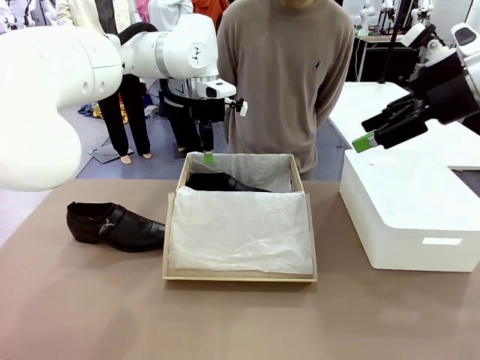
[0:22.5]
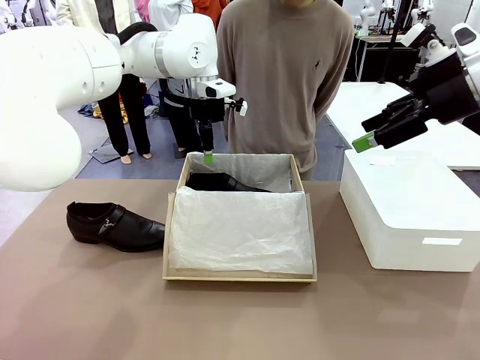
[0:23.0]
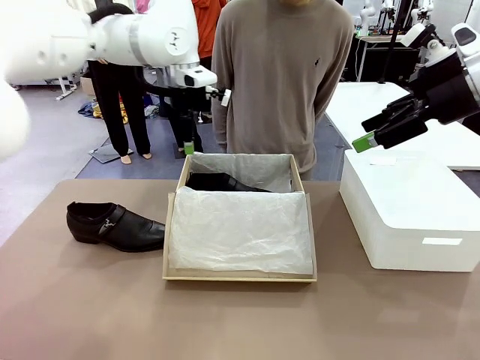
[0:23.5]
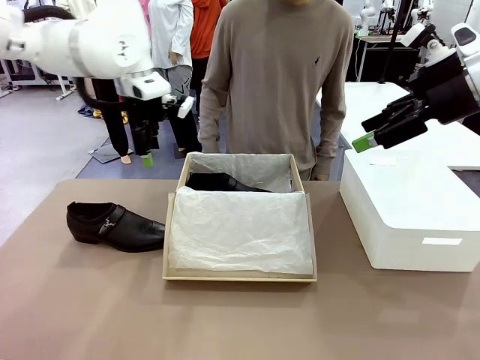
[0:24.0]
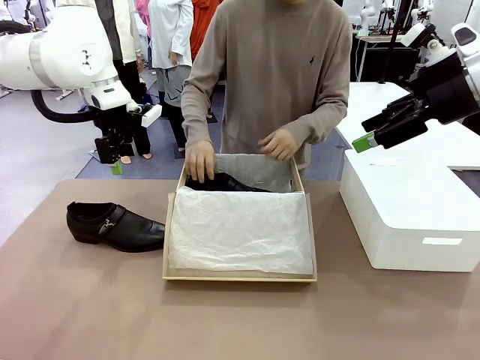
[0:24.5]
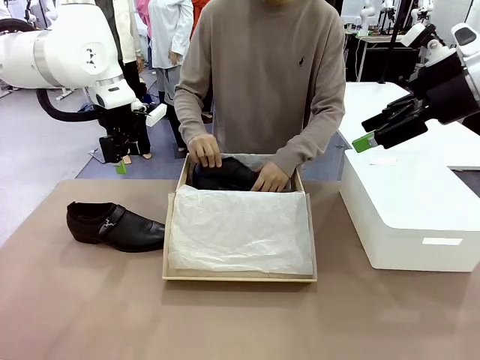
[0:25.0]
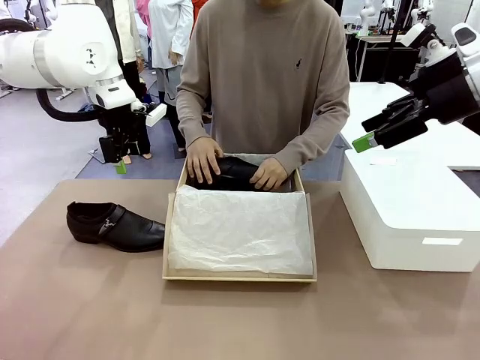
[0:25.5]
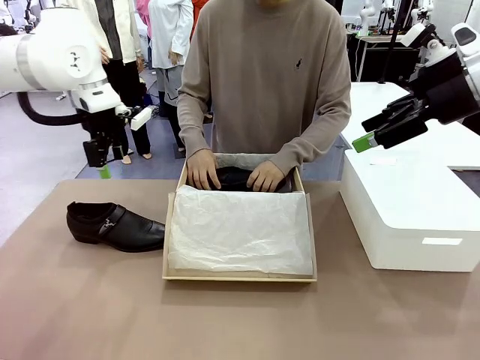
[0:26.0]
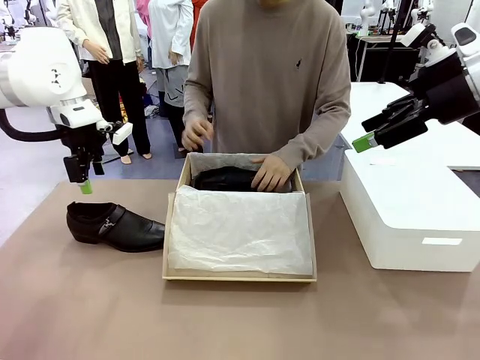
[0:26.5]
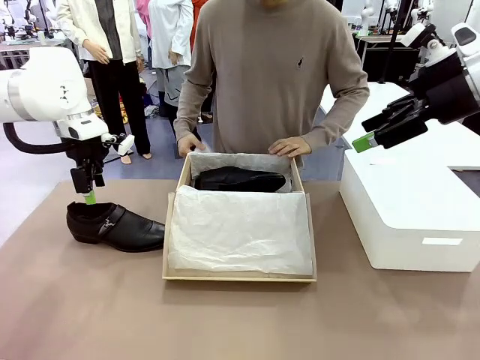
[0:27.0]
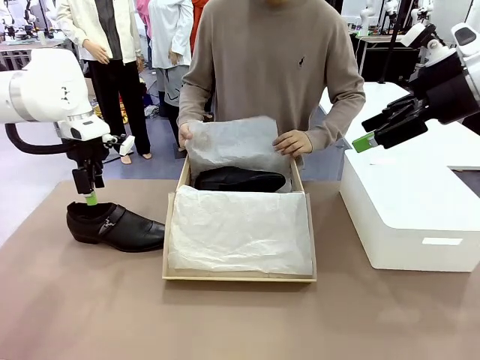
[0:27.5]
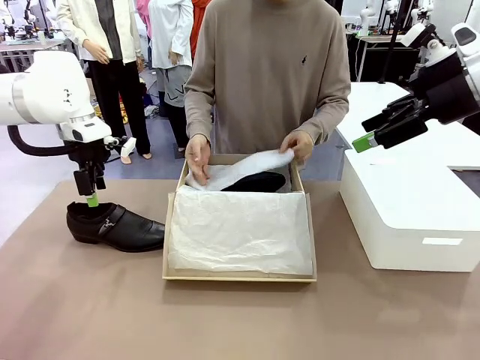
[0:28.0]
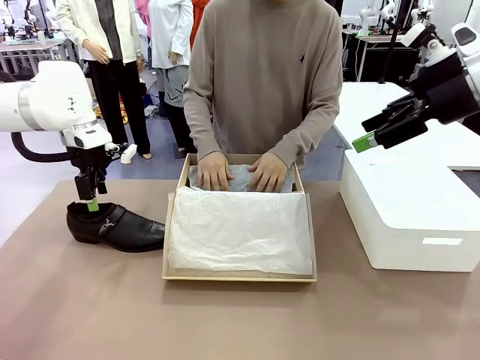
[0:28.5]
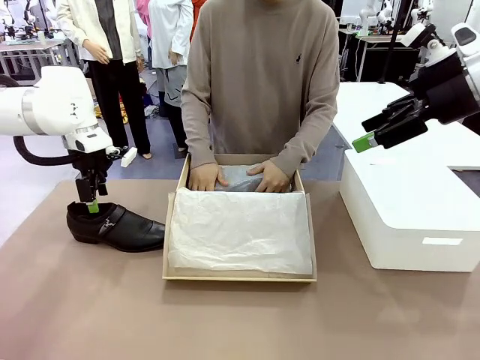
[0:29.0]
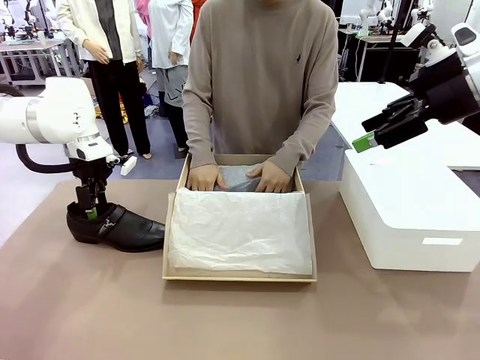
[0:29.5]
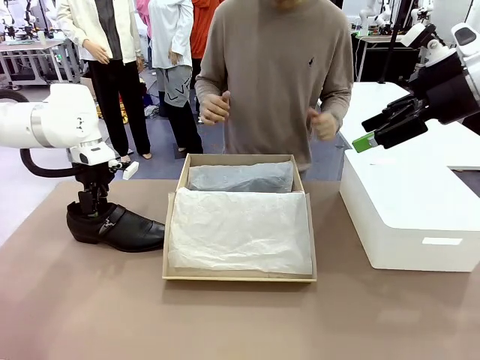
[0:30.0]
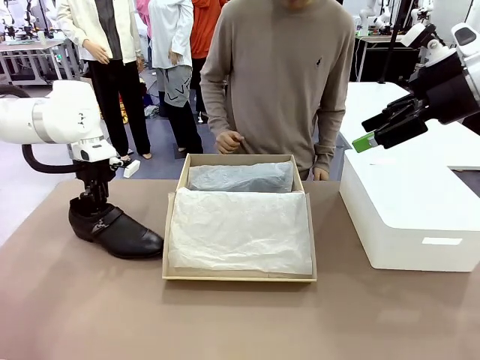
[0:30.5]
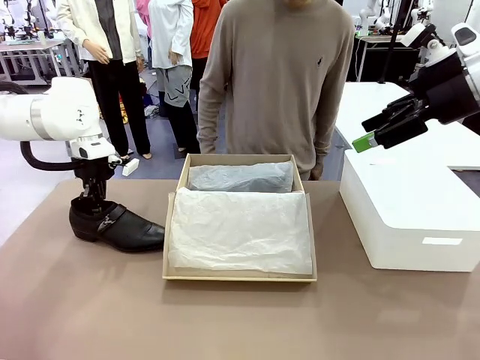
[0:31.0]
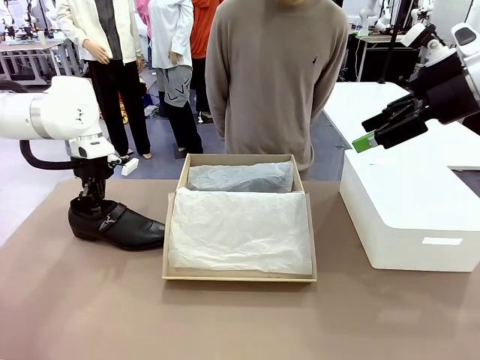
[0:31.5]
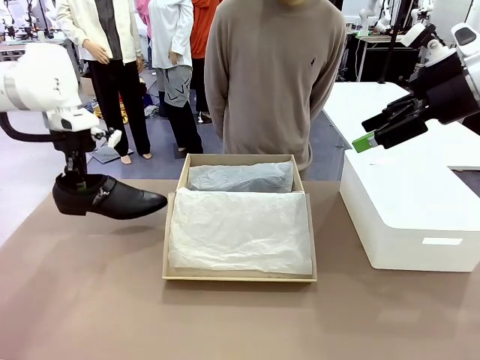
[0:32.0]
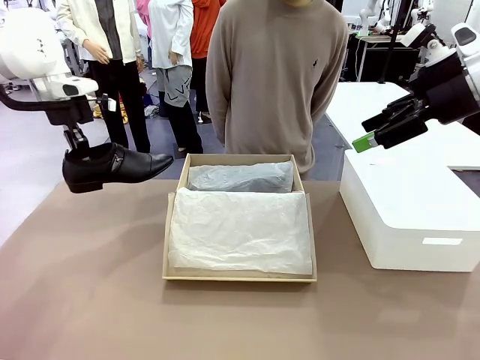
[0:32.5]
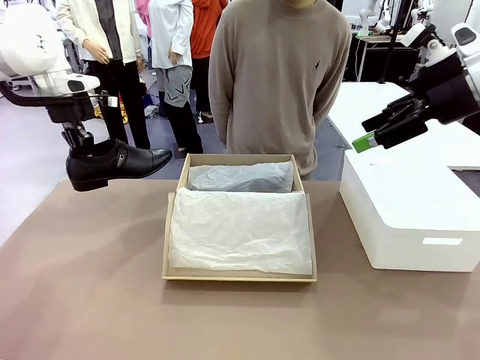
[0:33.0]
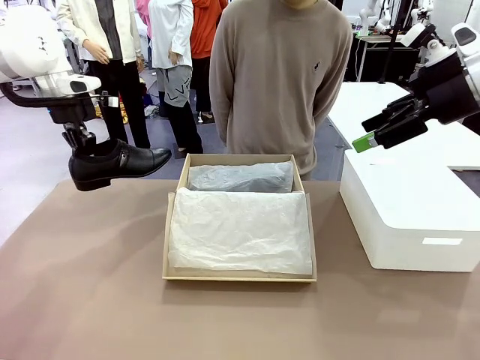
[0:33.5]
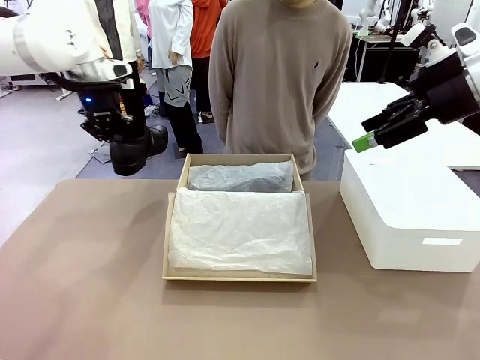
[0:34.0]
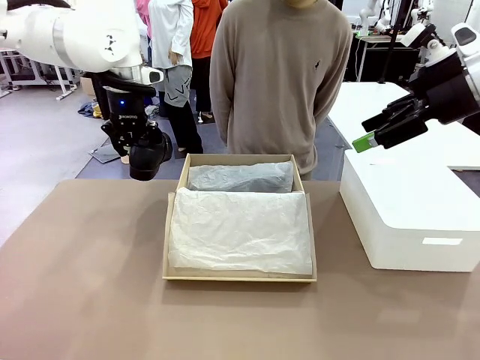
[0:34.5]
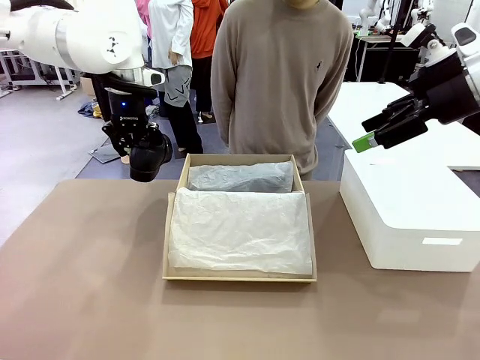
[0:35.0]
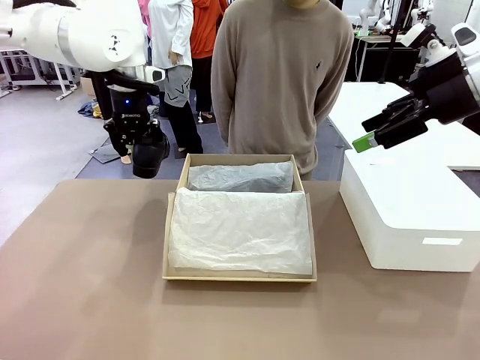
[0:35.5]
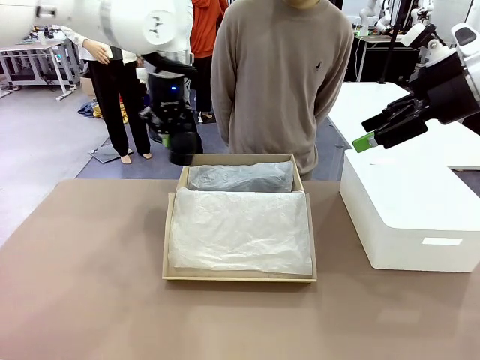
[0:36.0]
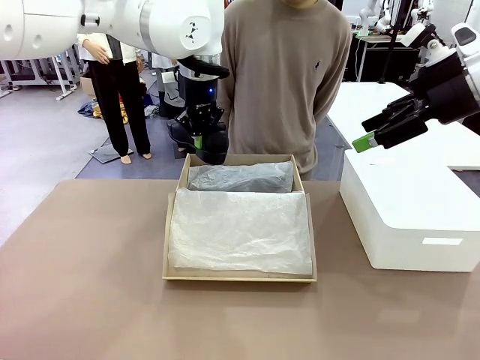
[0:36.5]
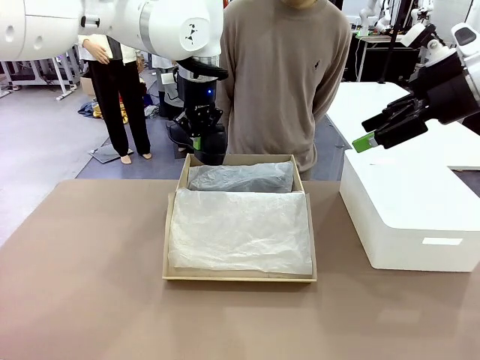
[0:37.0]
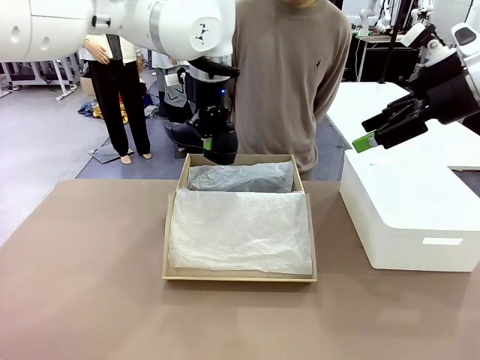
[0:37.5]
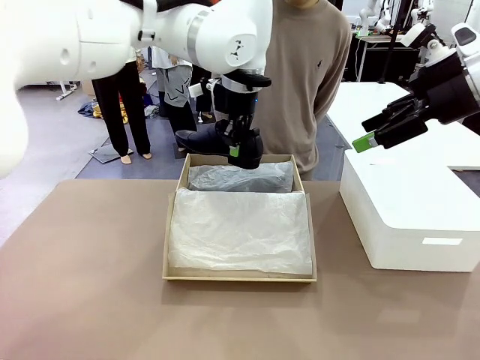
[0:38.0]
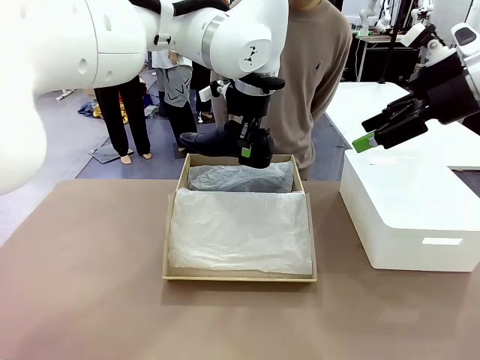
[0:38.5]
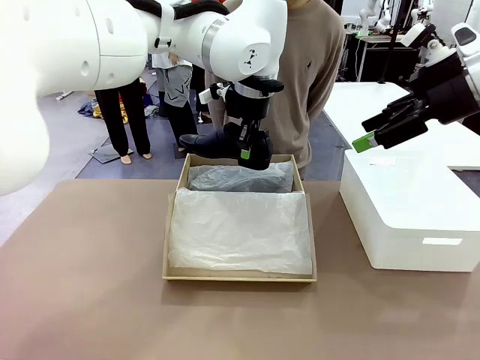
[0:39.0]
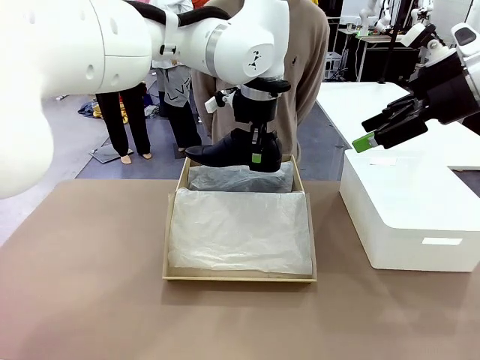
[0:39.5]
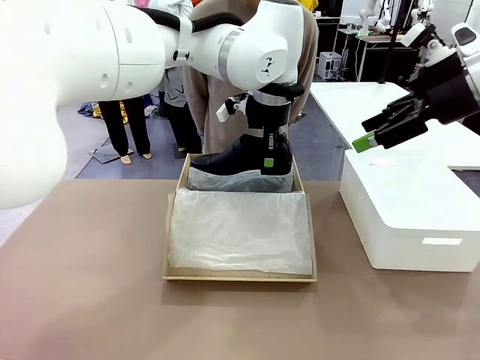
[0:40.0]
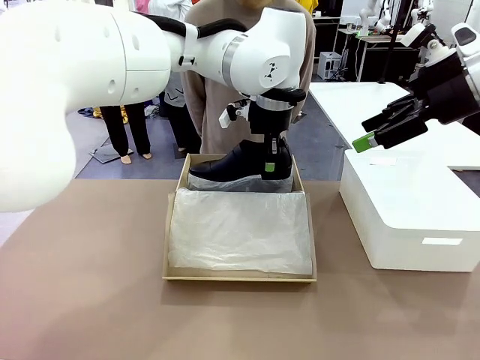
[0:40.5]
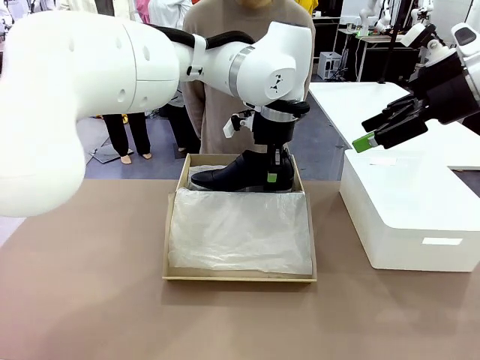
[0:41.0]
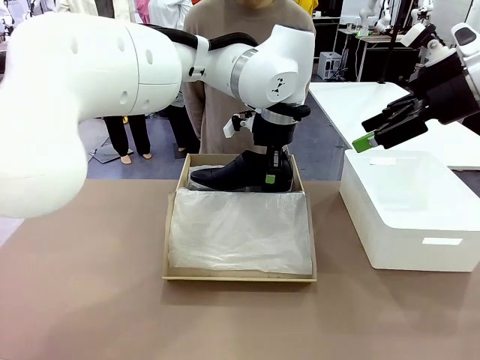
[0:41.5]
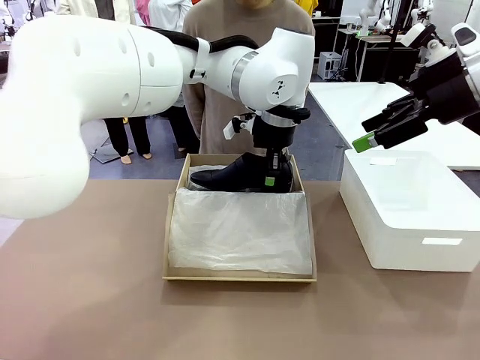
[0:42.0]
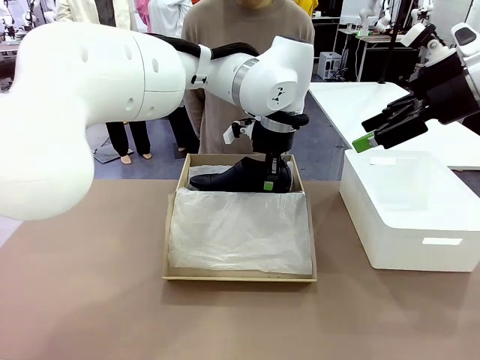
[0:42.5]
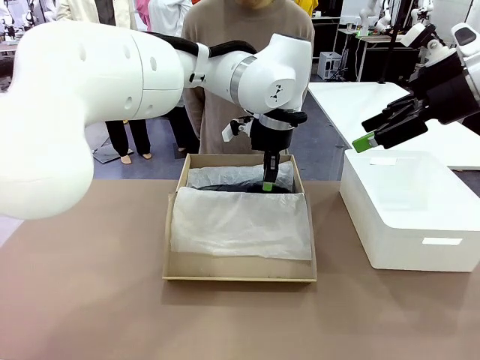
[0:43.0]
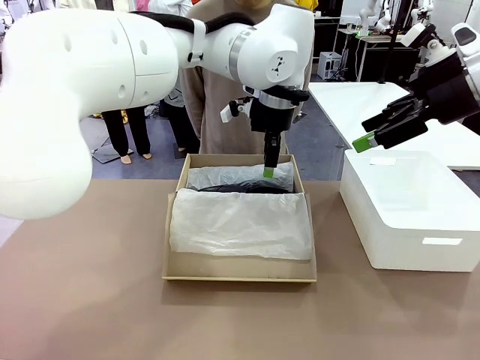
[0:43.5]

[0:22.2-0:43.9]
Task: Pack the shoes into the box.
Robot: Place the other shoe of the Shoes into the Shoes Box.
Person: Pack a shoe of Shoes inside the Shoes Box with Shoes Wrapping Paper.

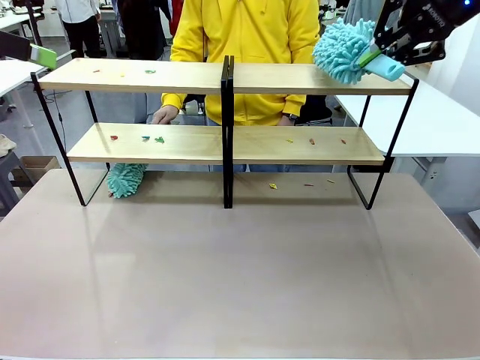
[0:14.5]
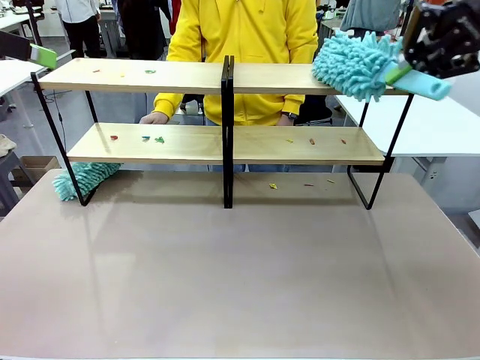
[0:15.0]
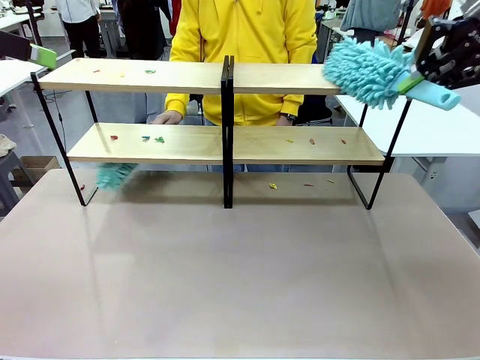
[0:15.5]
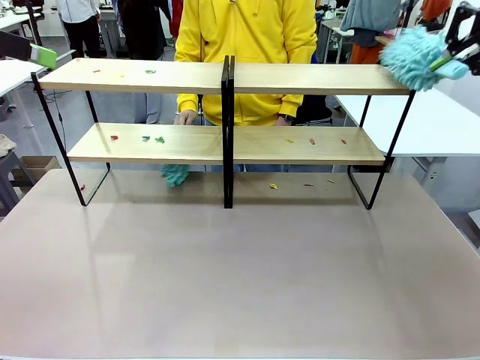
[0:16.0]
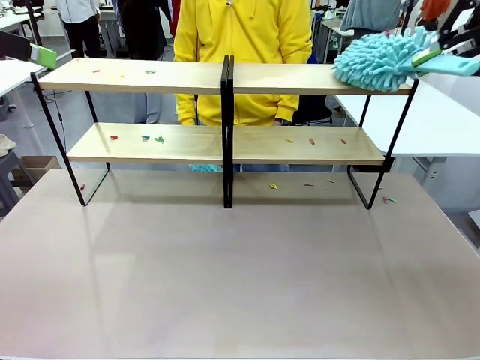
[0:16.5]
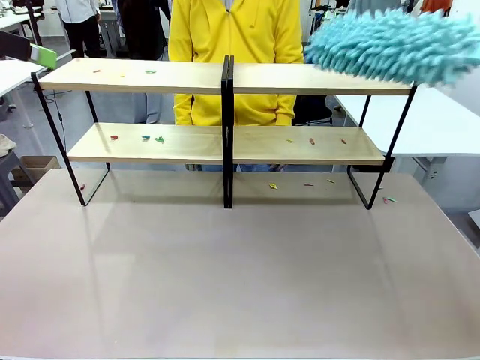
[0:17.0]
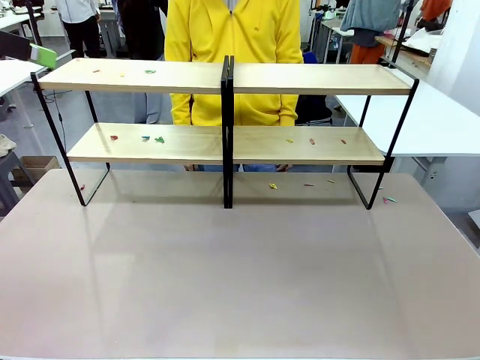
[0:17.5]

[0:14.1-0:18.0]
Task: Clean the shelves.
Robot: Clean a randomly selected level of the Shelf with the Duster.
